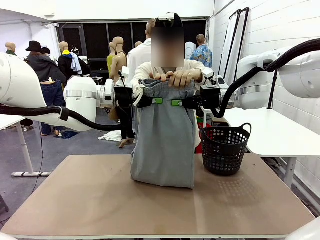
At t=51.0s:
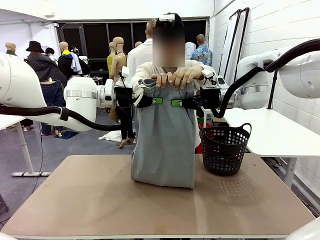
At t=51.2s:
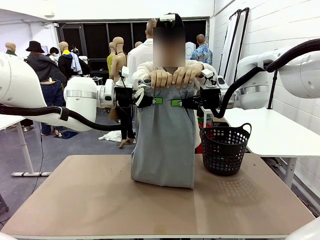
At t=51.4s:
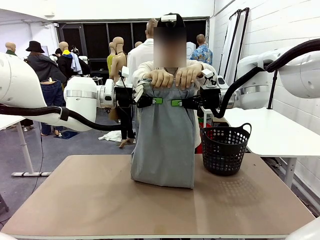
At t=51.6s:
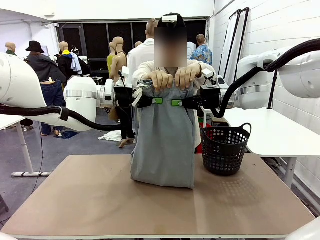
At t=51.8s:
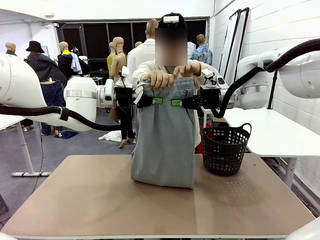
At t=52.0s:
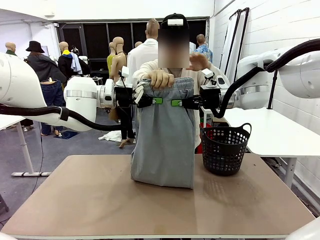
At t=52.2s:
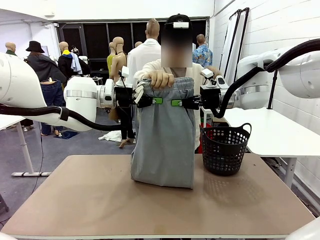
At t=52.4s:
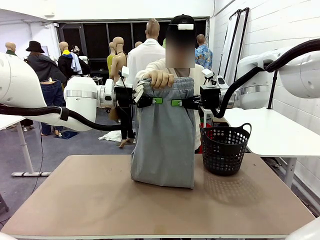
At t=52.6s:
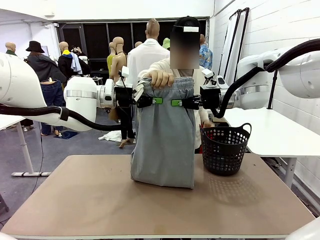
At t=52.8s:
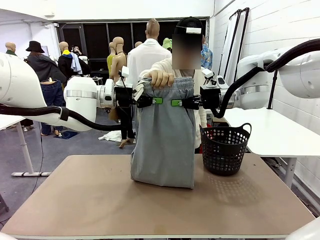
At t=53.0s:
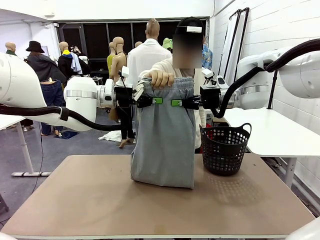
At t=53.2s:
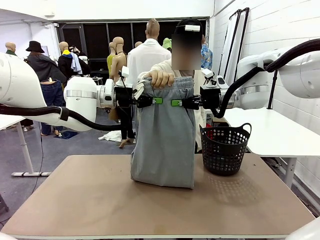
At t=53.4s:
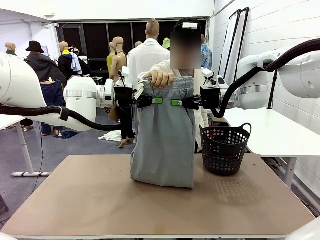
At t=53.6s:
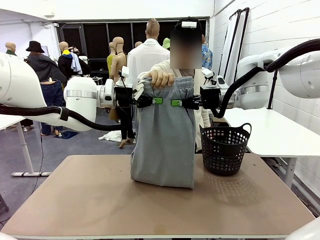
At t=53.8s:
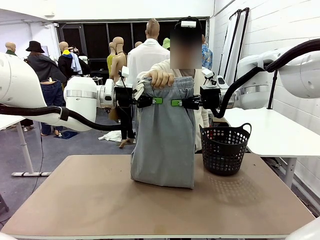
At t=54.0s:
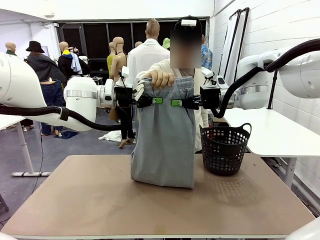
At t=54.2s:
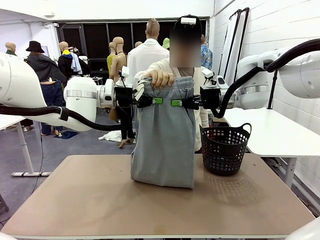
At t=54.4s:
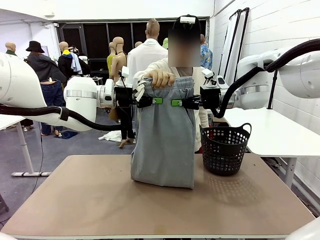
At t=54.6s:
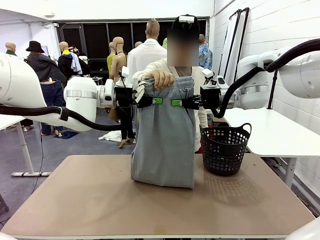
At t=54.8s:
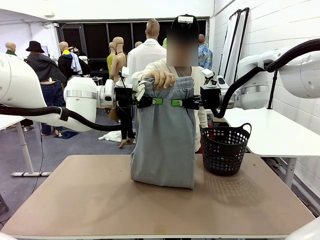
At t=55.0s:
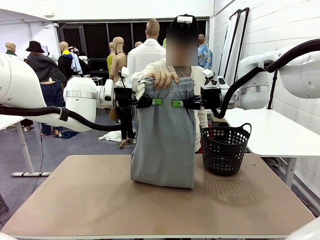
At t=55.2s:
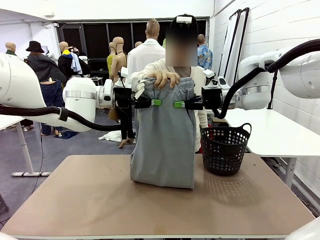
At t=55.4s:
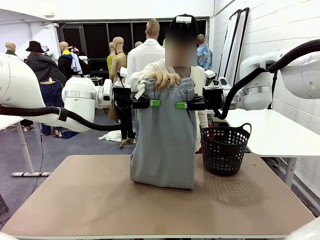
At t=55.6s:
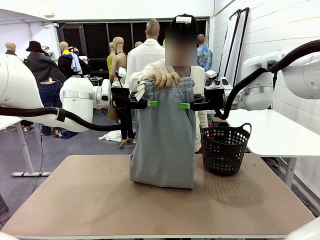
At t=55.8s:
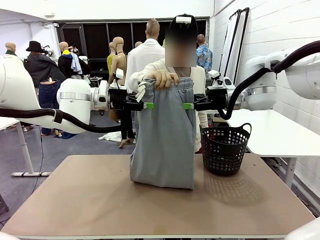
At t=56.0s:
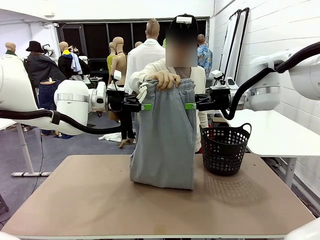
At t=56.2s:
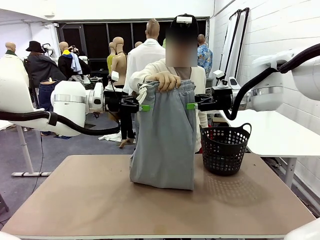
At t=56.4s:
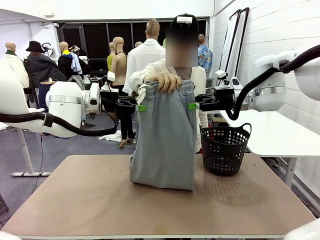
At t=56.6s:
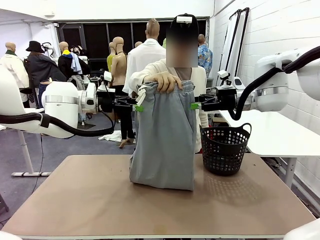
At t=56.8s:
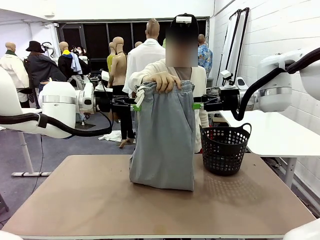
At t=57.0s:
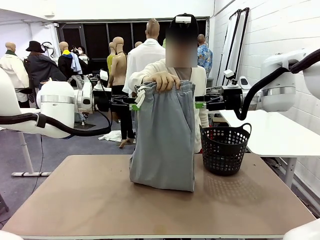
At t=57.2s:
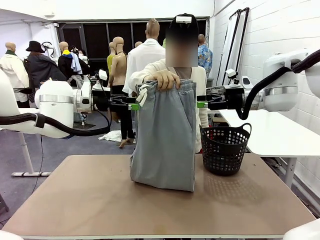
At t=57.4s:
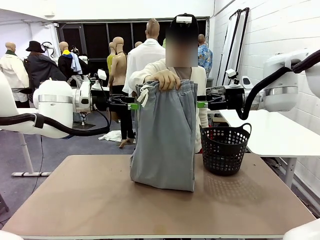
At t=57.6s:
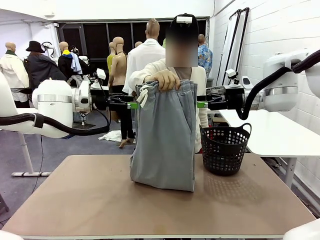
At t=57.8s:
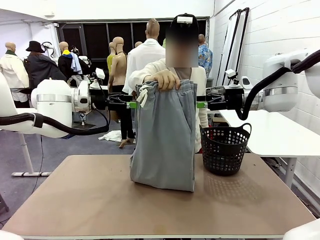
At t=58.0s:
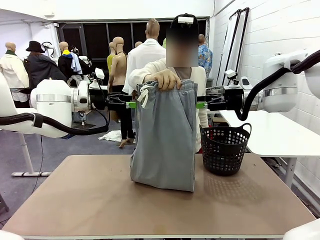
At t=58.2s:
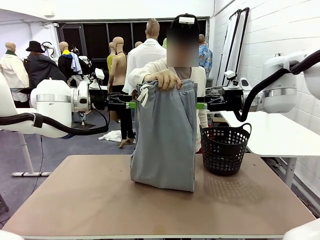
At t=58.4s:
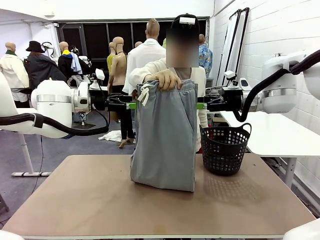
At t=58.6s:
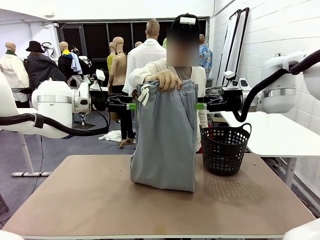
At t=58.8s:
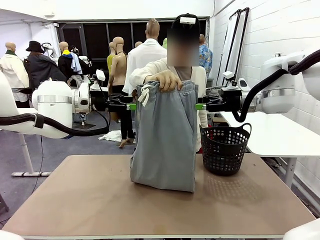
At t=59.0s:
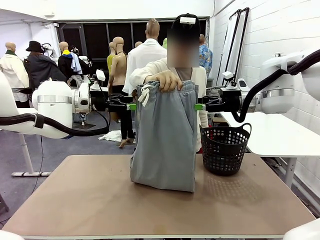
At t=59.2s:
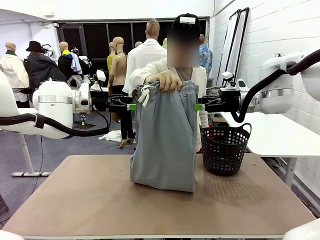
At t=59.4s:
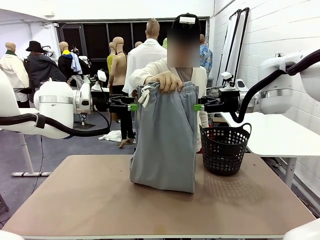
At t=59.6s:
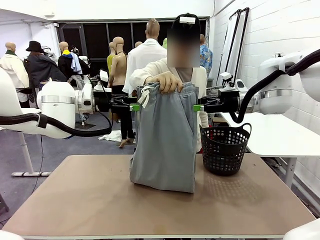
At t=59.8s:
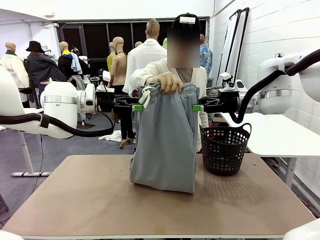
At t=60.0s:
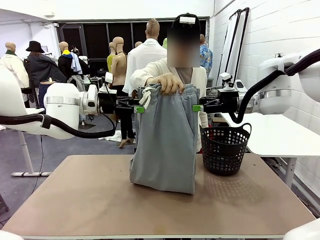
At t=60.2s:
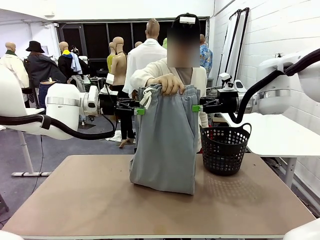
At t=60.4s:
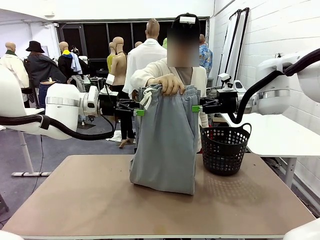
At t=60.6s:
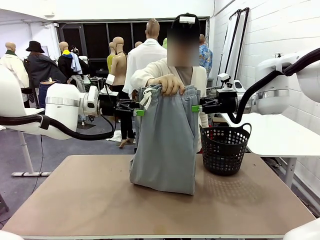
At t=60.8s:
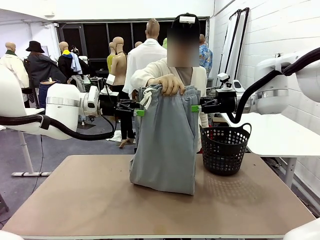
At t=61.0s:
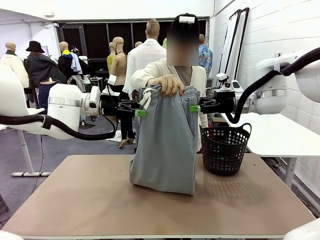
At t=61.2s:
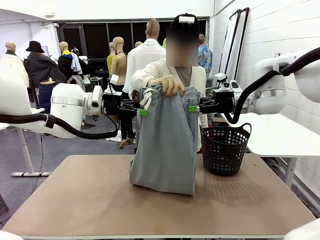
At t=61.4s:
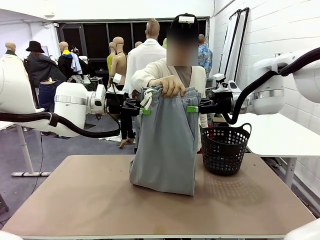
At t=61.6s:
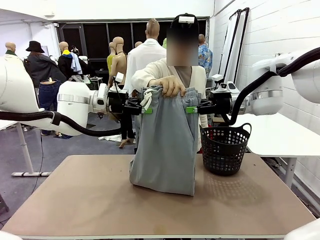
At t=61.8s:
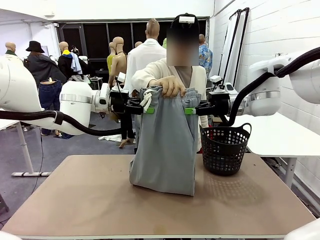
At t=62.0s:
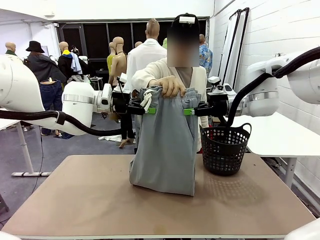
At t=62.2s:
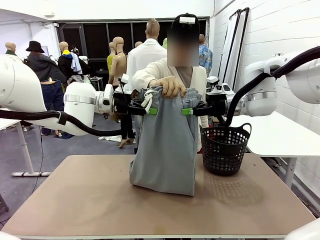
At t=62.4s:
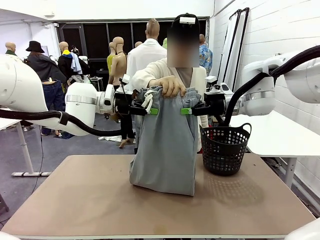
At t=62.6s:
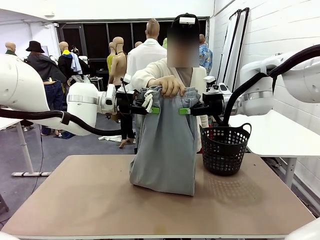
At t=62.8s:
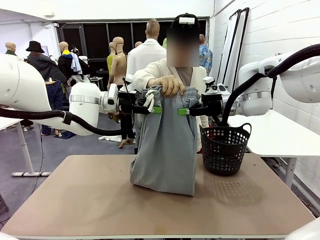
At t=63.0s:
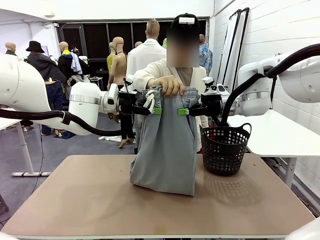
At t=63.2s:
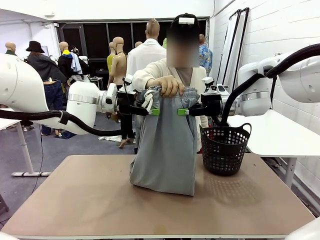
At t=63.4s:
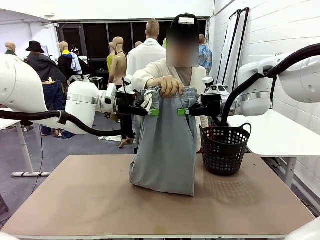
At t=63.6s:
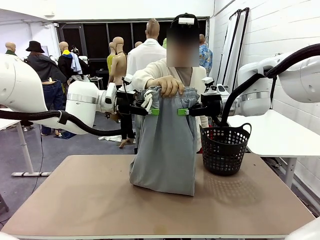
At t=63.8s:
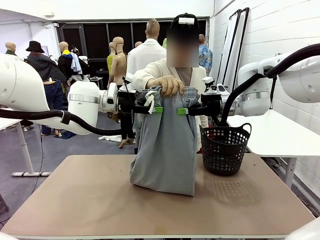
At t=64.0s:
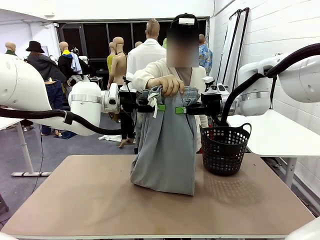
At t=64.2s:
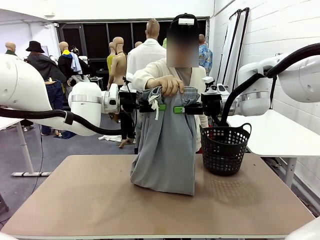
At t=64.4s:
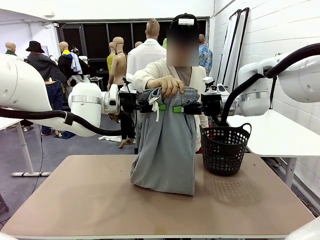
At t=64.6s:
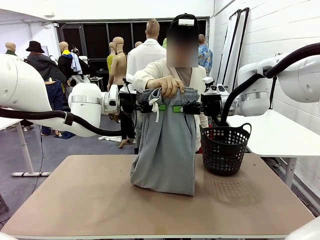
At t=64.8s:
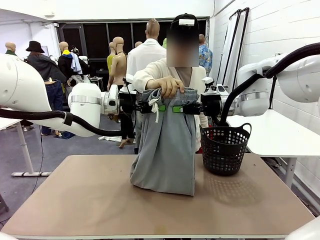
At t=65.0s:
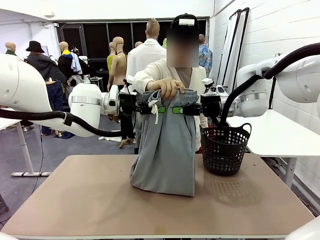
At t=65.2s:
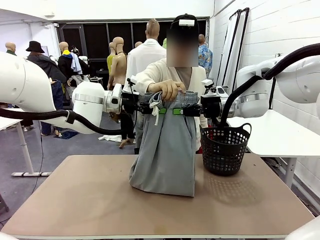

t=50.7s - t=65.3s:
Task: Fold the training pants.
Robot: Release the ends of the Training pants and then grab the overlapped ends.
Person: Release the pants you were holding.

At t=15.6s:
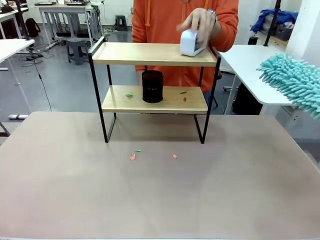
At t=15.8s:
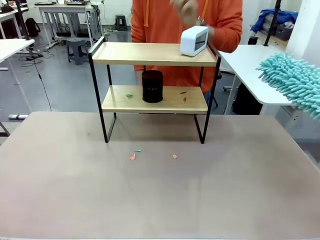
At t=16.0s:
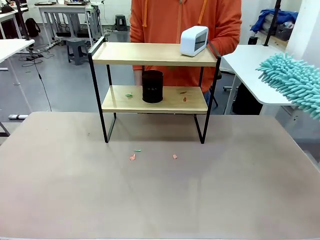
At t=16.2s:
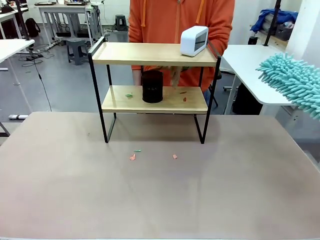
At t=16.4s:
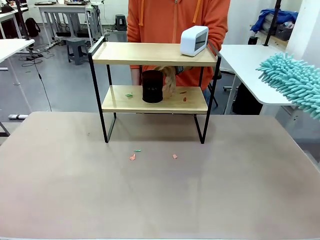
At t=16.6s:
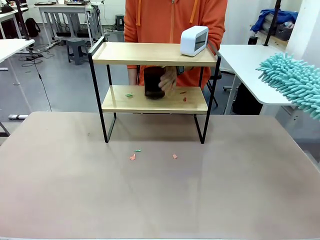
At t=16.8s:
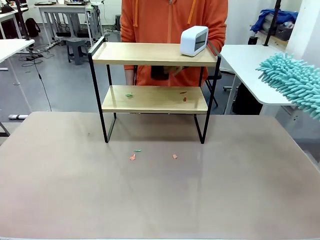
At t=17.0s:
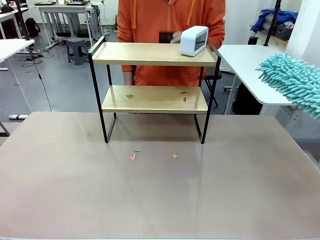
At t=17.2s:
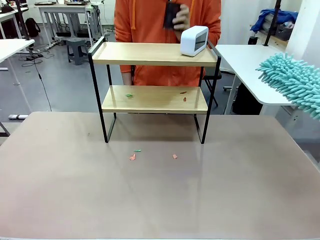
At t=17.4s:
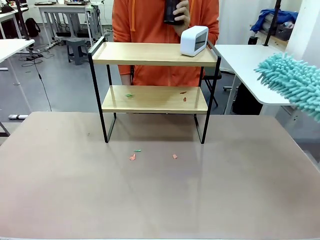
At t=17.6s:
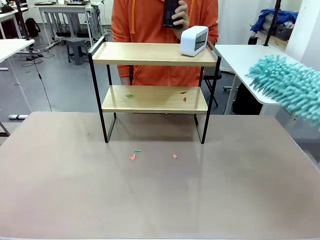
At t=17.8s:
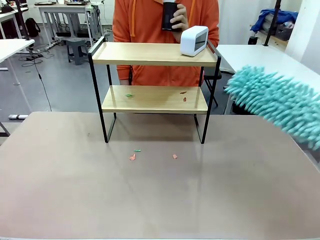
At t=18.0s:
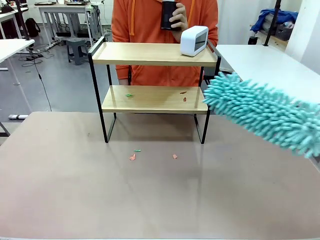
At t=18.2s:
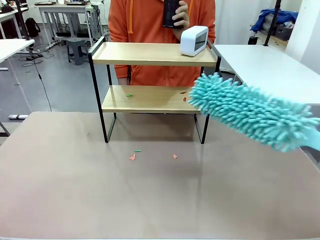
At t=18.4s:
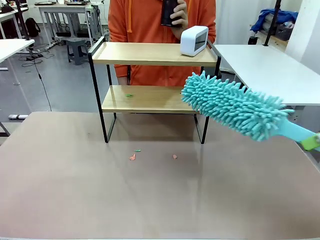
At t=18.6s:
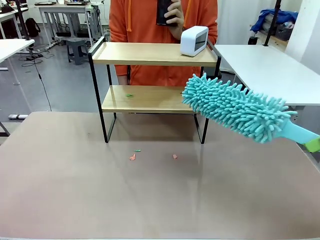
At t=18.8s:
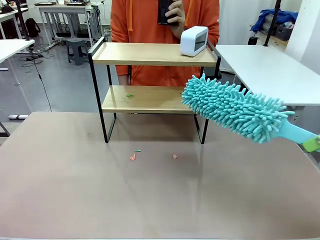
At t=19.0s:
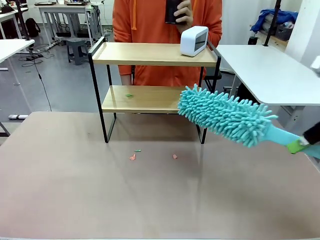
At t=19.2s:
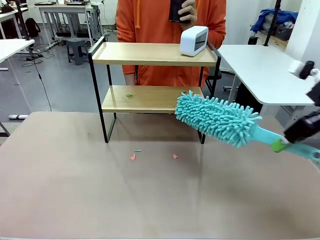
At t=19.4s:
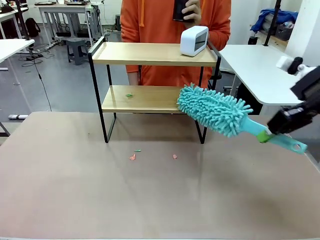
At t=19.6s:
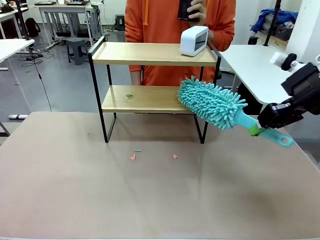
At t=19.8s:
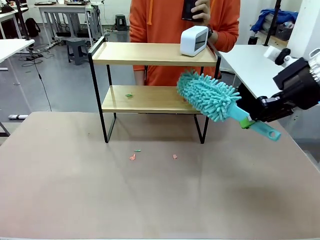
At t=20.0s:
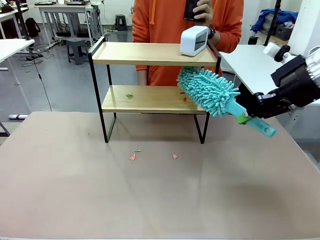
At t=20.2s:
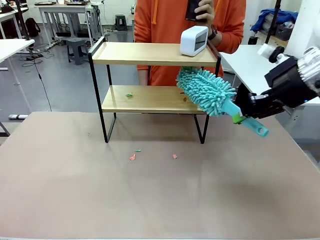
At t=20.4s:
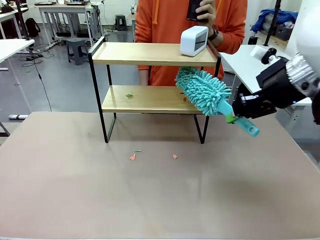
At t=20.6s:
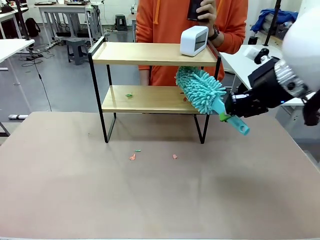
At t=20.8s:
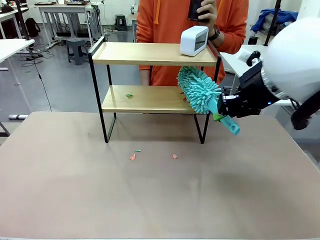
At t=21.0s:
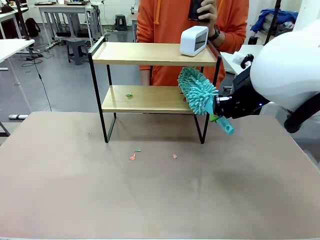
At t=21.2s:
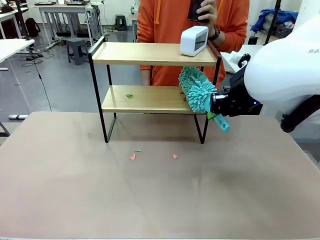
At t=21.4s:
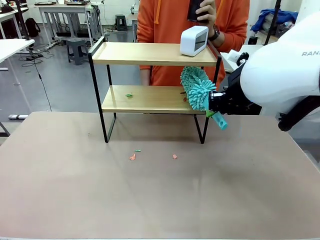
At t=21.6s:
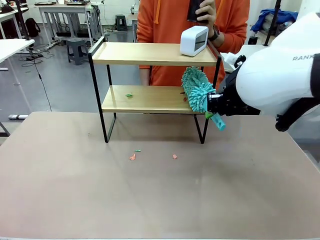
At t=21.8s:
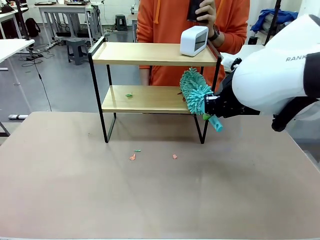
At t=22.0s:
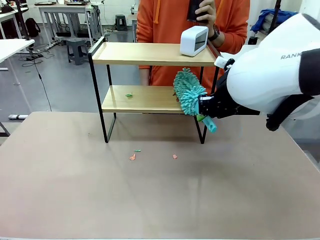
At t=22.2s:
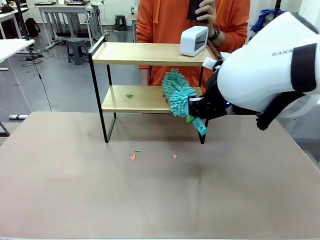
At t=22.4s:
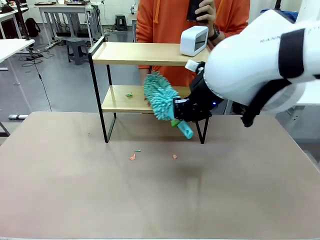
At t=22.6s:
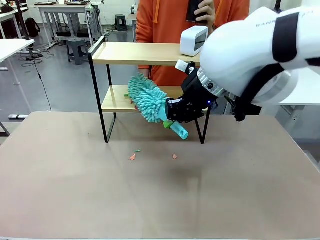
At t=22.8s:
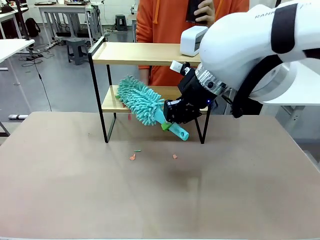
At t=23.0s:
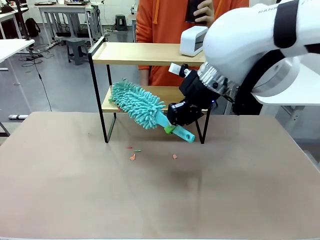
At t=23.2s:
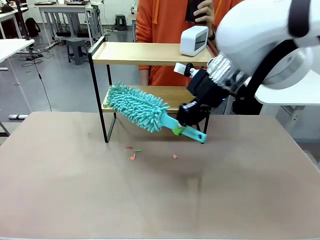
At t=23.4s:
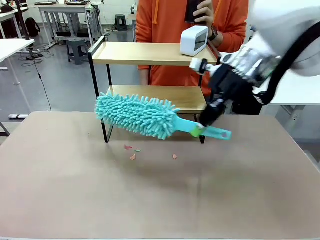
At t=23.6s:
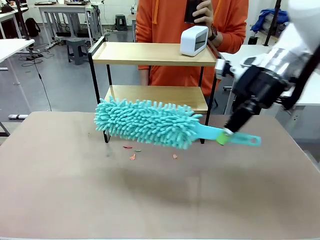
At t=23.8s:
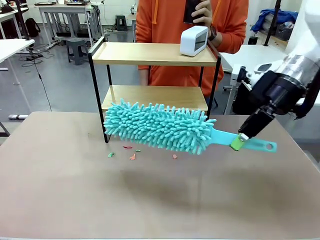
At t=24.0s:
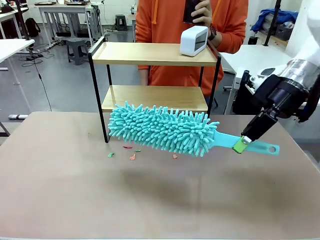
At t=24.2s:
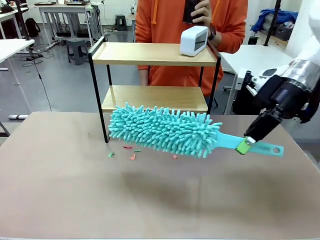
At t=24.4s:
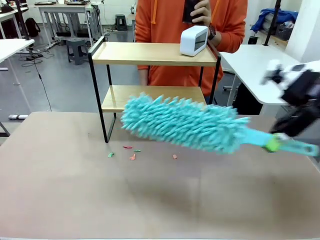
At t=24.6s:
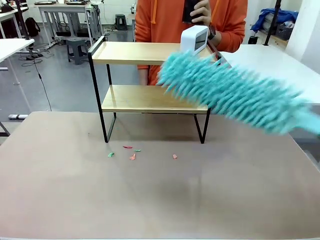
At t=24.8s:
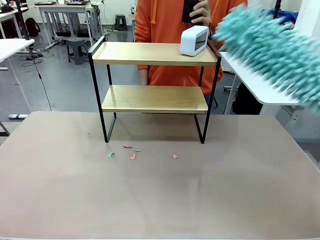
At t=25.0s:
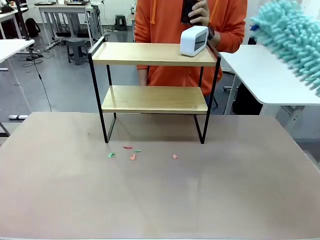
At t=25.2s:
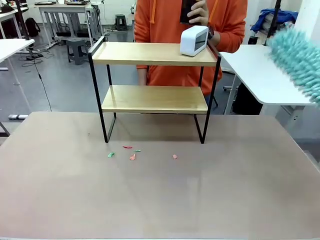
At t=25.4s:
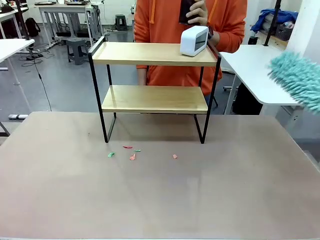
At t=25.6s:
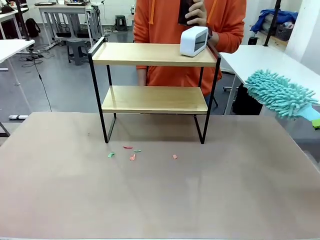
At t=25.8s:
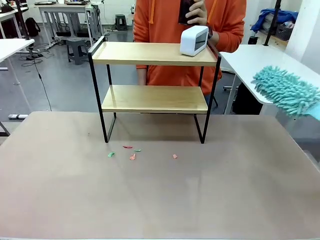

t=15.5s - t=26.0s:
Task: Clean the shelf.
Robot: Clean the remaining tier of the Shelf with the Duster once objects are removed.
